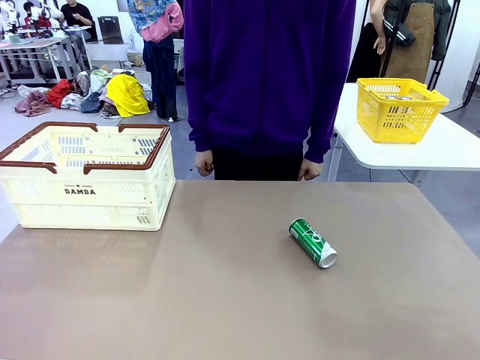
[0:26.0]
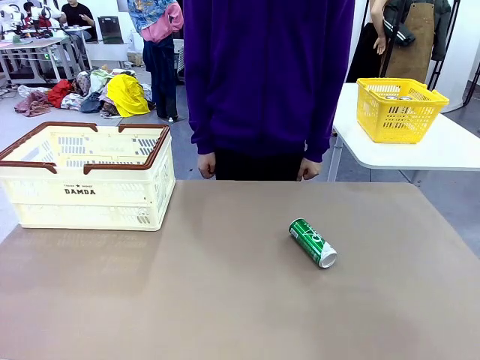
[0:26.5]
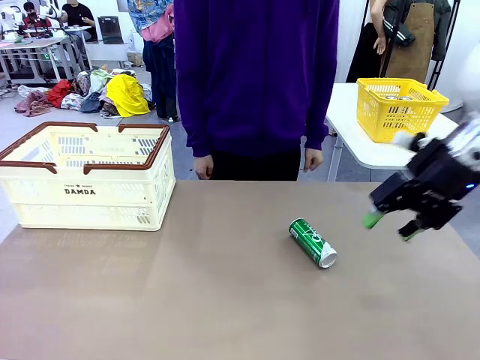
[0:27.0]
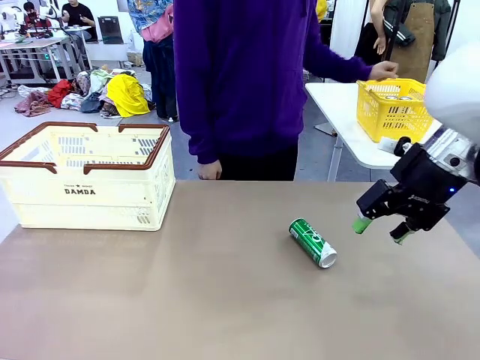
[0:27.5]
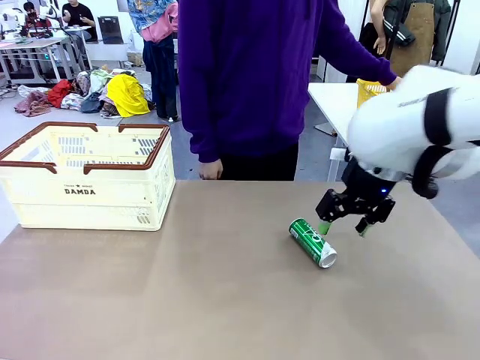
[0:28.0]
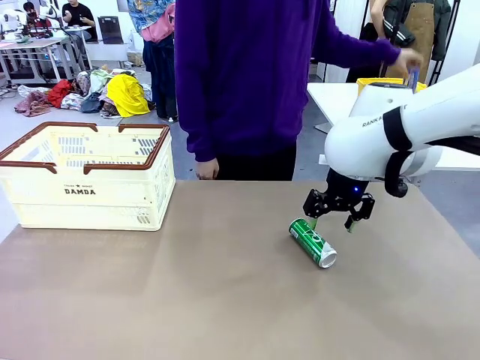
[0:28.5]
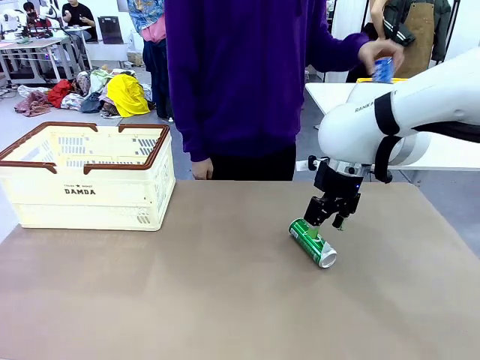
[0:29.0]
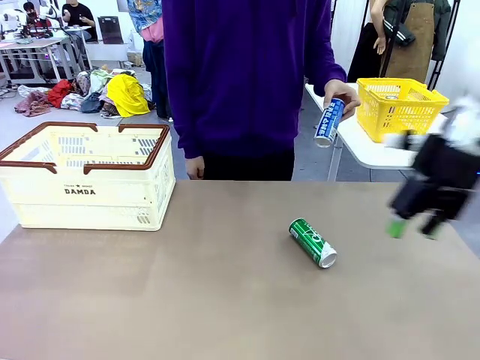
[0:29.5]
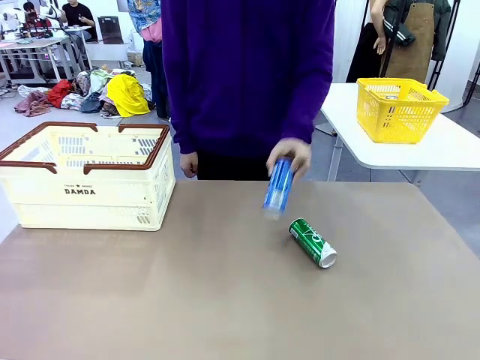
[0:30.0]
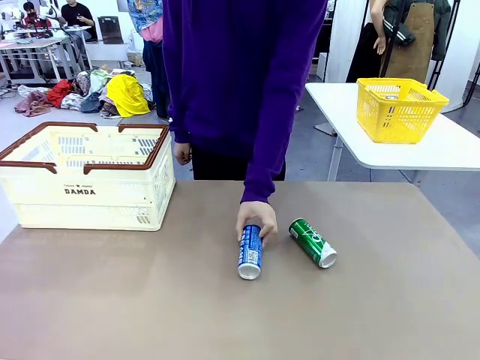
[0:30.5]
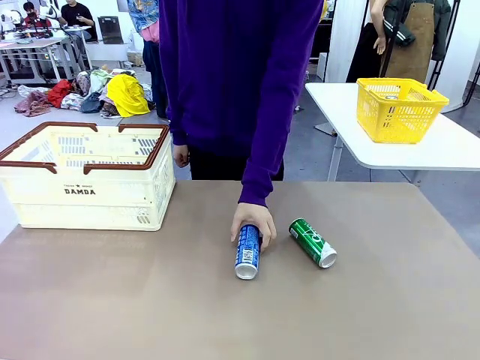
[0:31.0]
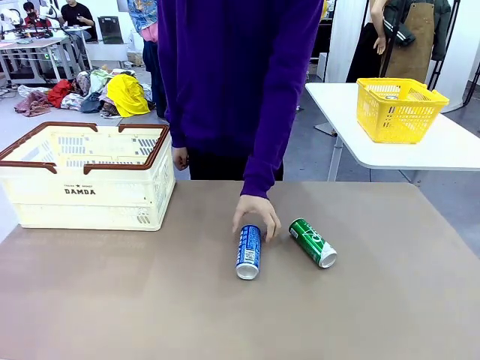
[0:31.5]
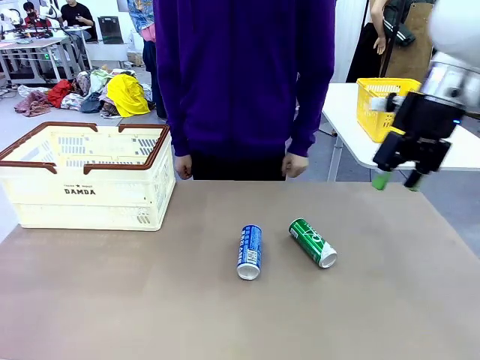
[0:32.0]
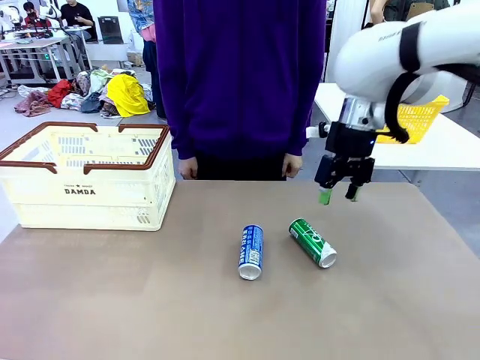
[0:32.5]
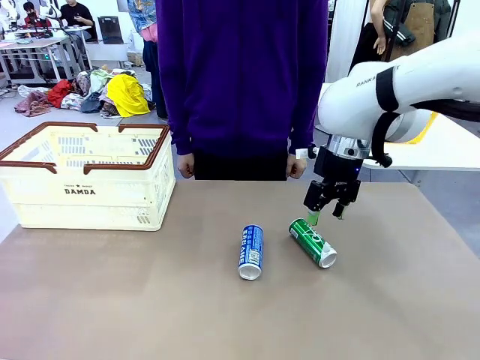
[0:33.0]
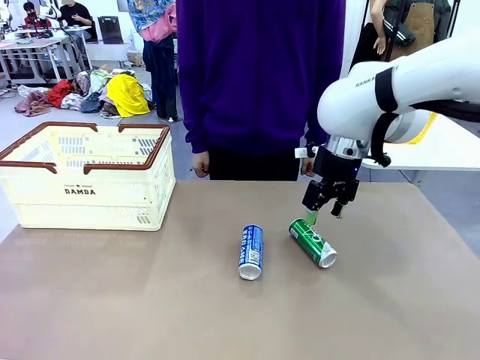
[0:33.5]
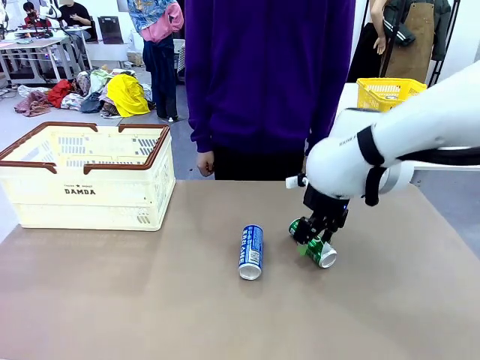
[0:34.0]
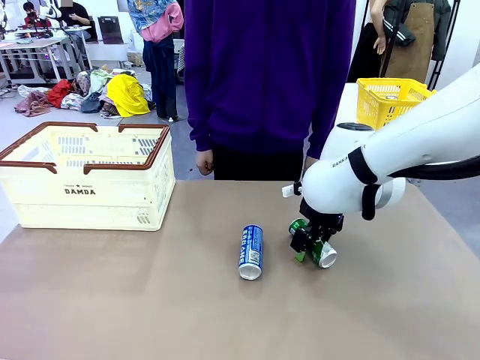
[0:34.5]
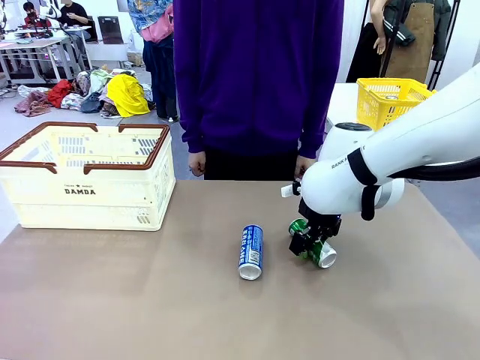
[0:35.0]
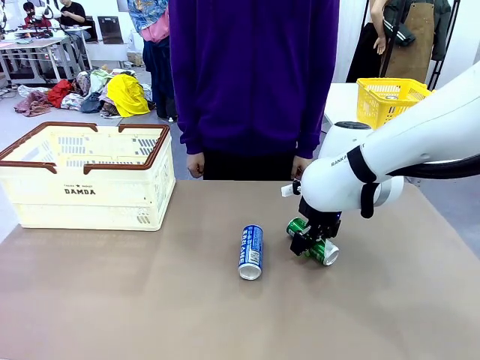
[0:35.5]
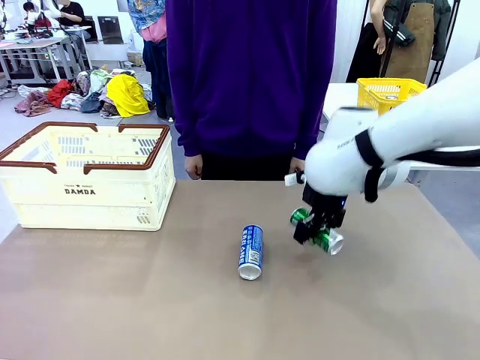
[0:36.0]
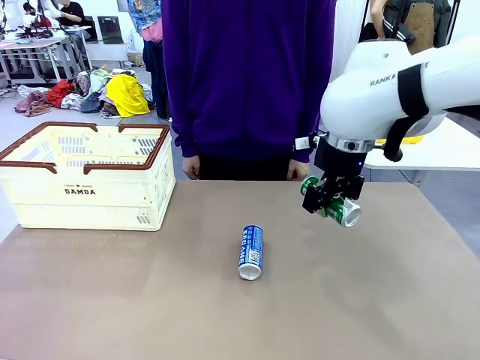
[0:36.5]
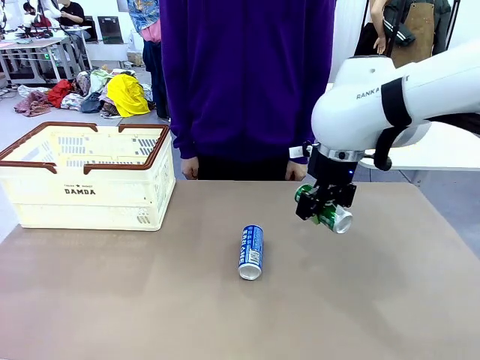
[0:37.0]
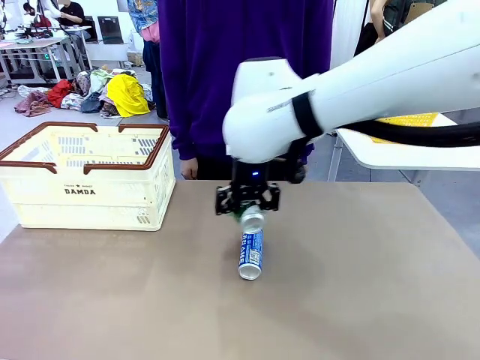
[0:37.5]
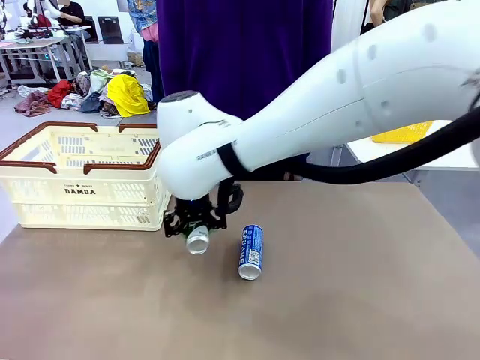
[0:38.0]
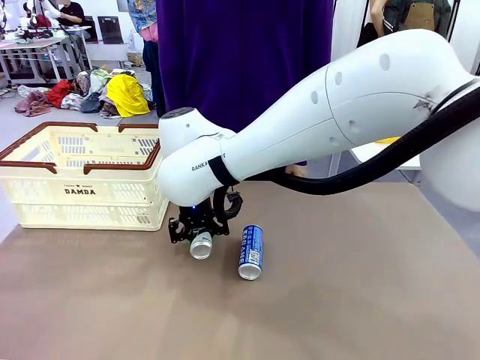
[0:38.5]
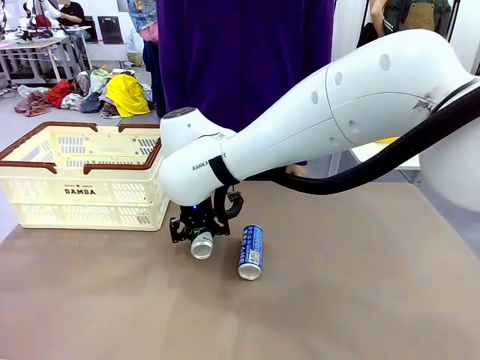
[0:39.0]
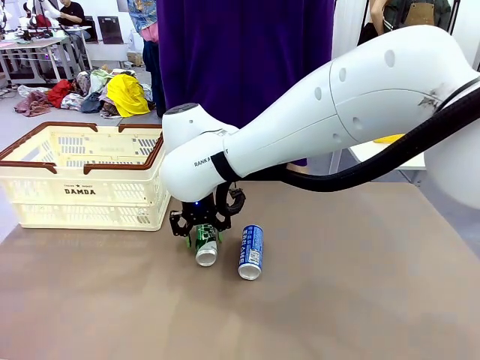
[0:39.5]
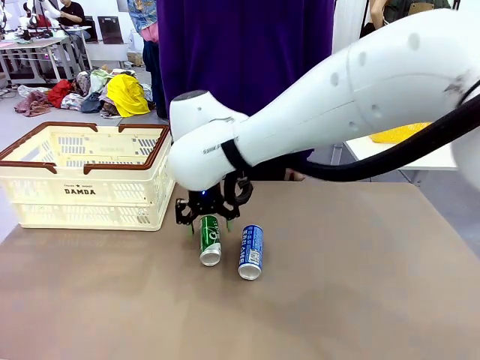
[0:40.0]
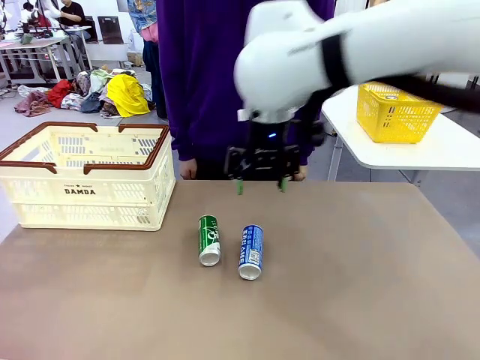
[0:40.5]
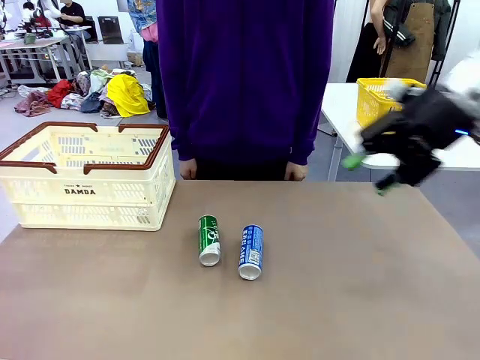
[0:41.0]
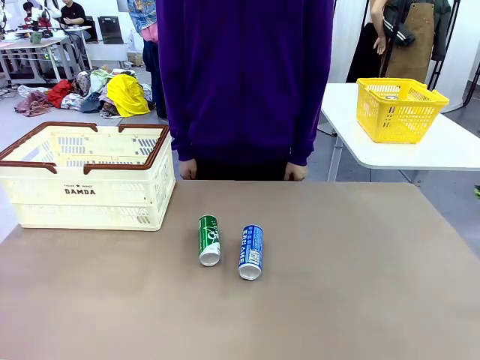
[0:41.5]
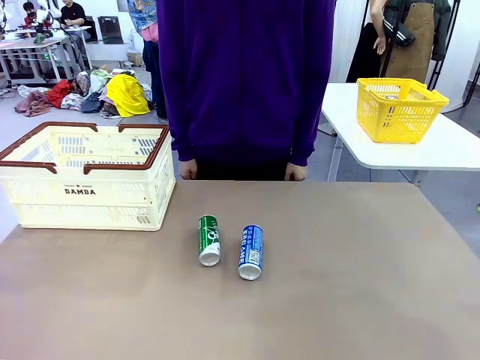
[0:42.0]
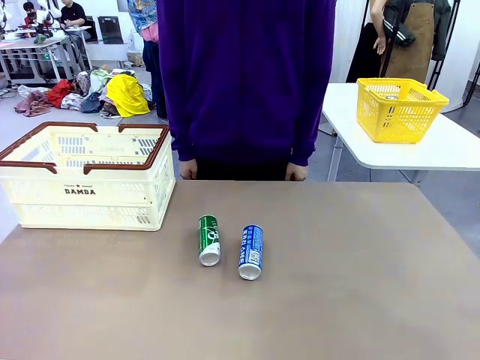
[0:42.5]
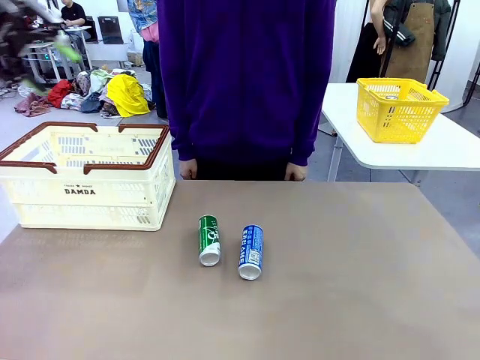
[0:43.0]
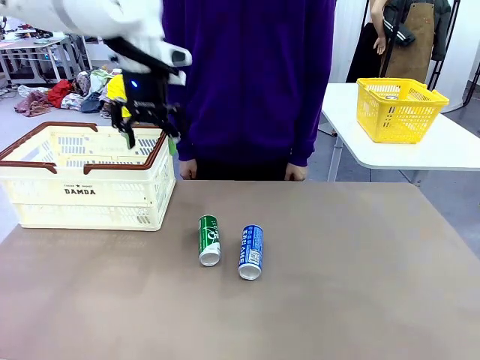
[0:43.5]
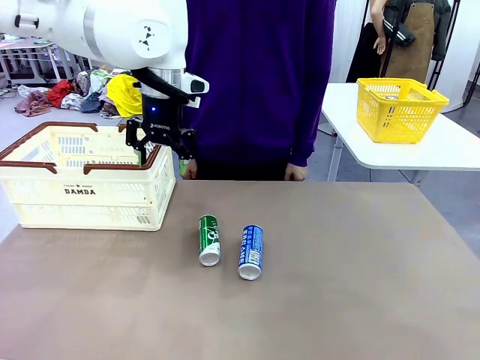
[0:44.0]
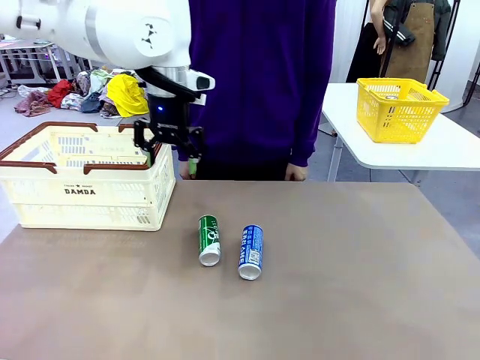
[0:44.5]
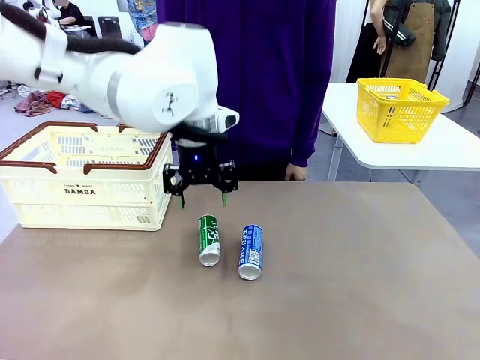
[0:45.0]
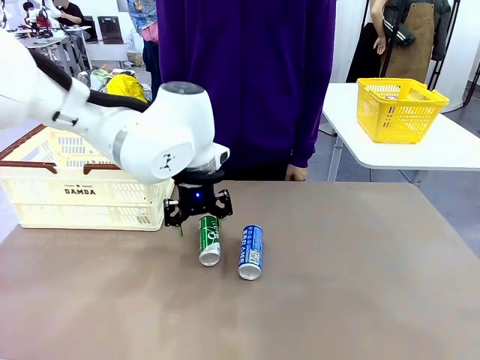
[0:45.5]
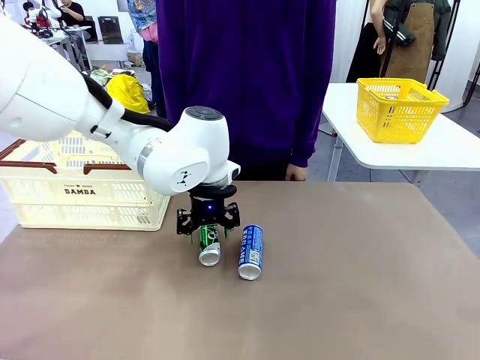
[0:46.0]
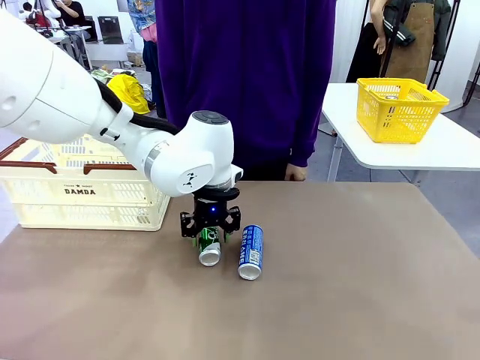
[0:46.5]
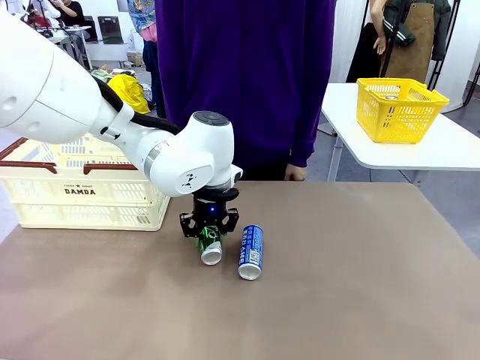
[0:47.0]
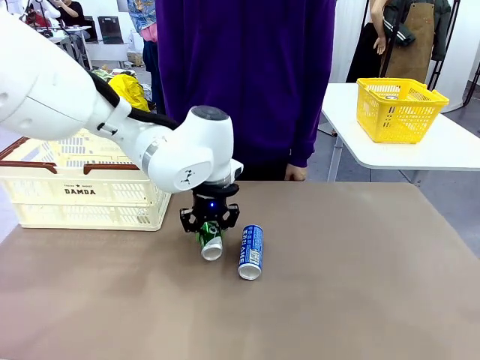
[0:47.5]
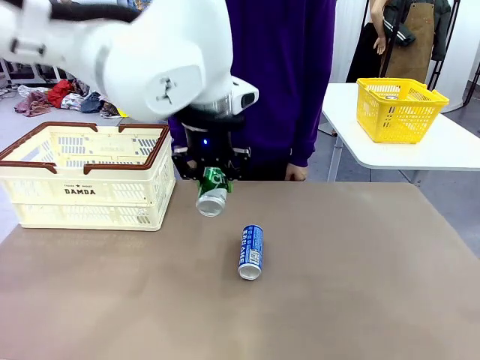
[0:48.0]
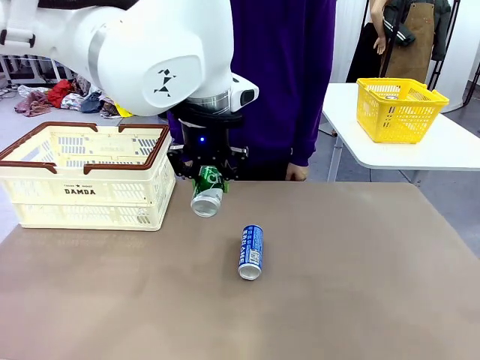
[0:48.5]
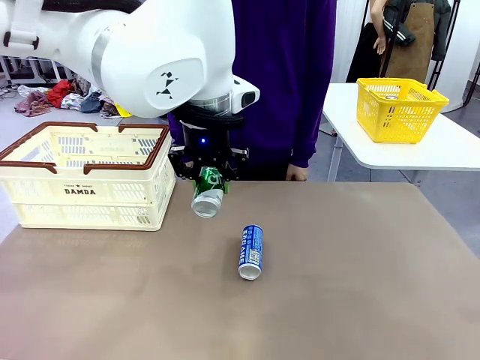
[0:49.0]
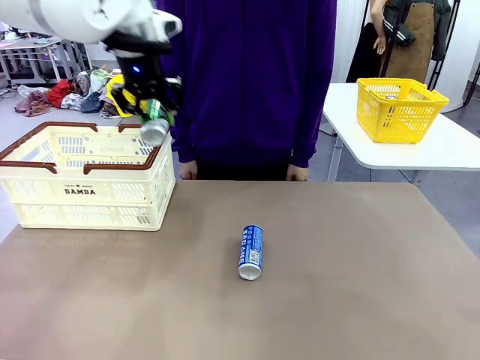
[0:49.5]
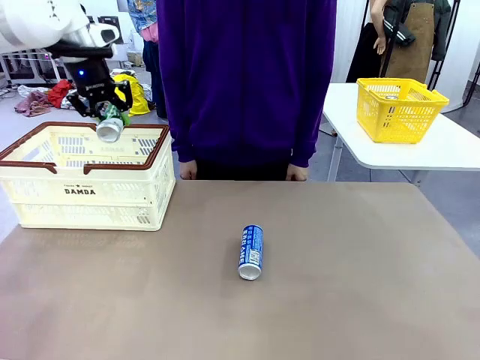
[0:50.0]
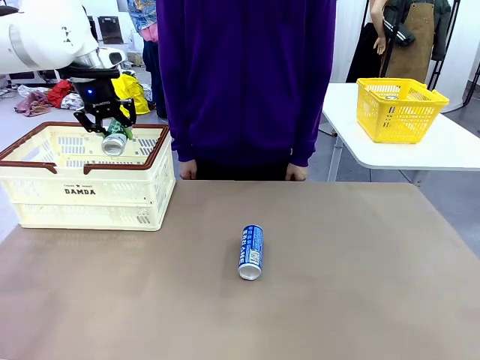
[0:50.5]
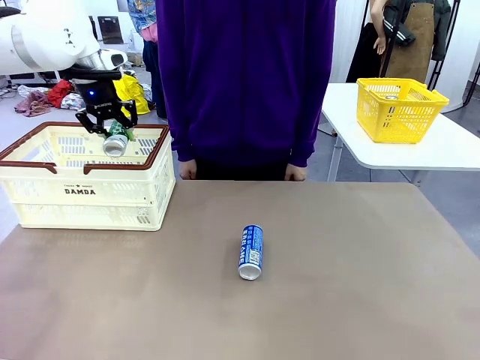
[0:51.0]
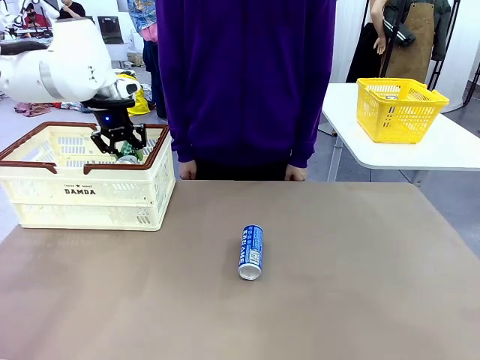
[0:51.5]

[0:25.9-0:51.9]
Task: Place the drinks into the Shopping basket.
Robot: Pick up one drink and place it into the Shopping basket.
